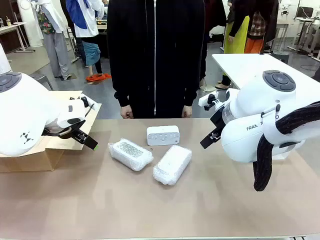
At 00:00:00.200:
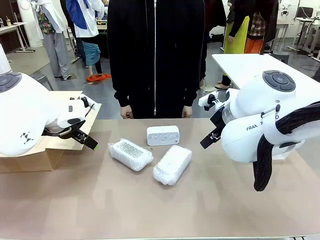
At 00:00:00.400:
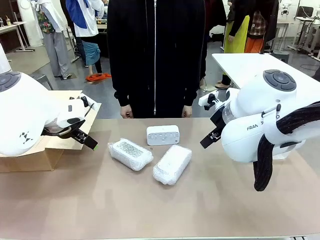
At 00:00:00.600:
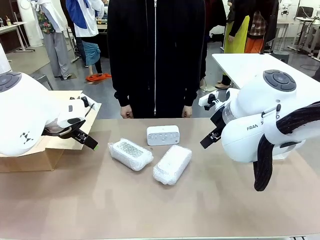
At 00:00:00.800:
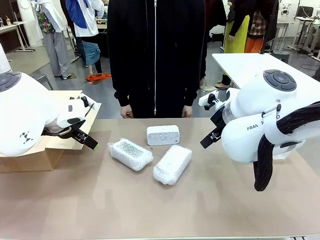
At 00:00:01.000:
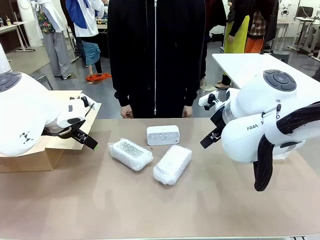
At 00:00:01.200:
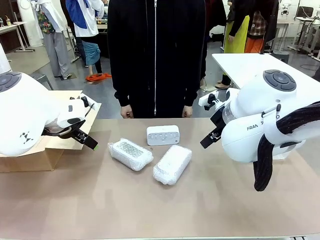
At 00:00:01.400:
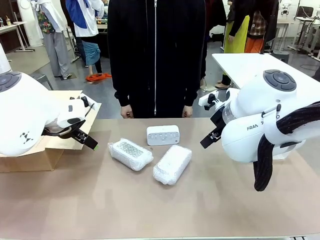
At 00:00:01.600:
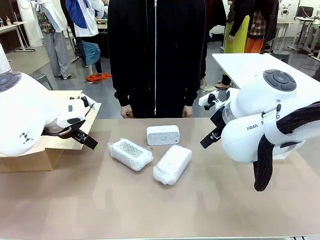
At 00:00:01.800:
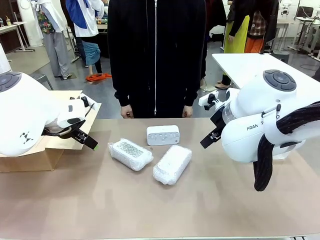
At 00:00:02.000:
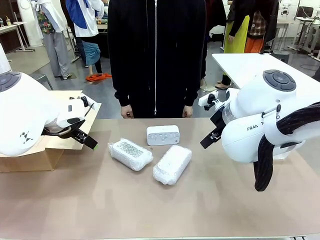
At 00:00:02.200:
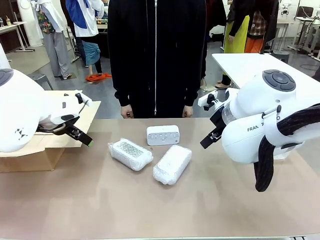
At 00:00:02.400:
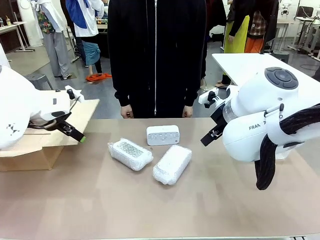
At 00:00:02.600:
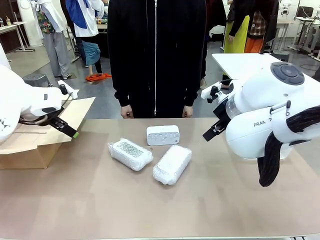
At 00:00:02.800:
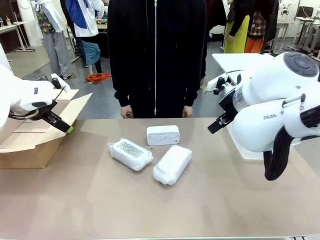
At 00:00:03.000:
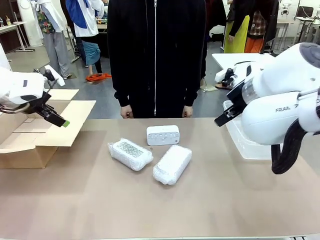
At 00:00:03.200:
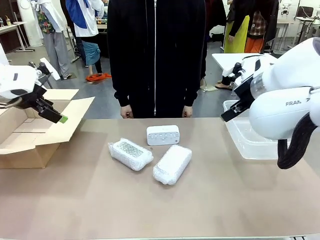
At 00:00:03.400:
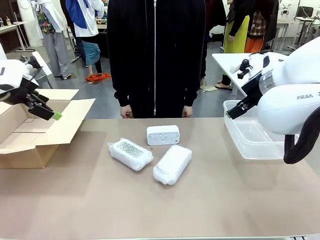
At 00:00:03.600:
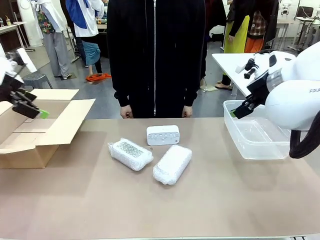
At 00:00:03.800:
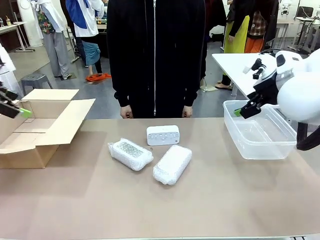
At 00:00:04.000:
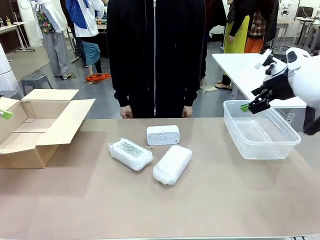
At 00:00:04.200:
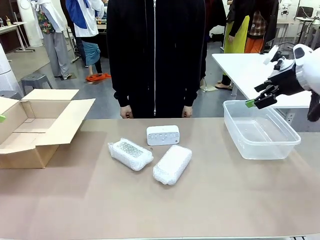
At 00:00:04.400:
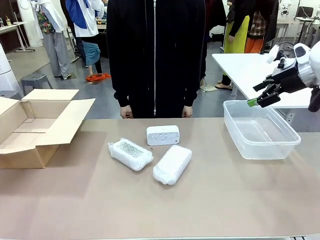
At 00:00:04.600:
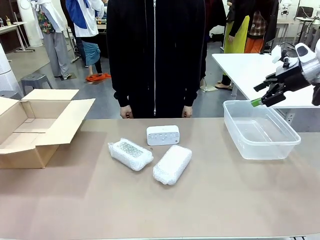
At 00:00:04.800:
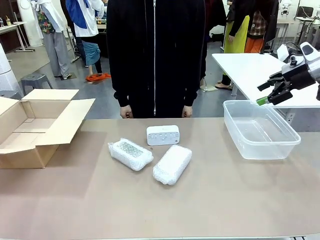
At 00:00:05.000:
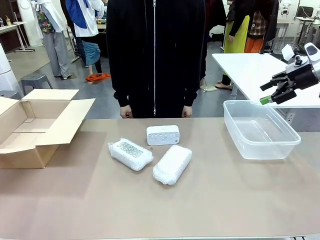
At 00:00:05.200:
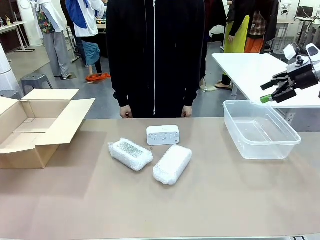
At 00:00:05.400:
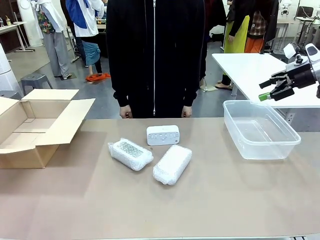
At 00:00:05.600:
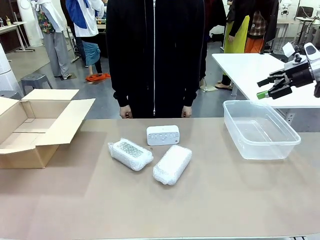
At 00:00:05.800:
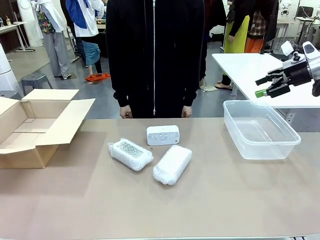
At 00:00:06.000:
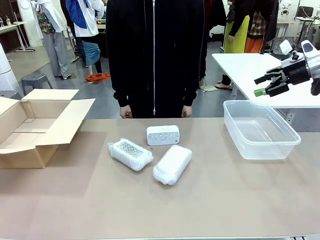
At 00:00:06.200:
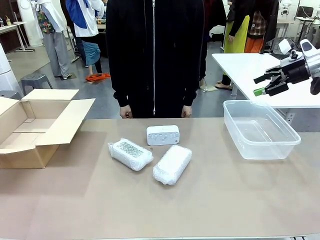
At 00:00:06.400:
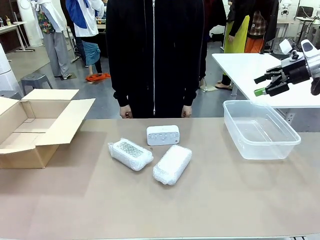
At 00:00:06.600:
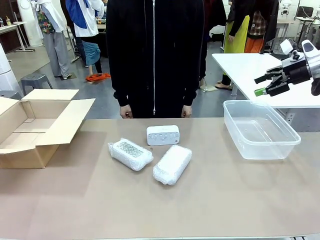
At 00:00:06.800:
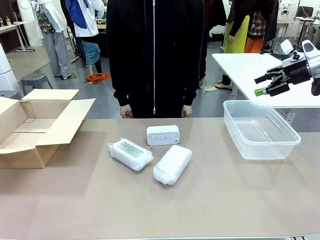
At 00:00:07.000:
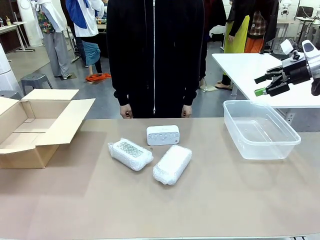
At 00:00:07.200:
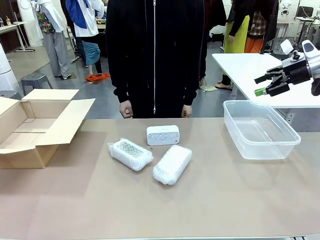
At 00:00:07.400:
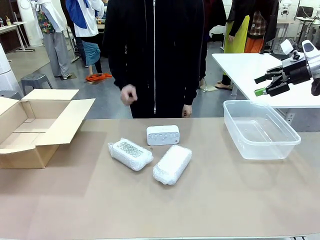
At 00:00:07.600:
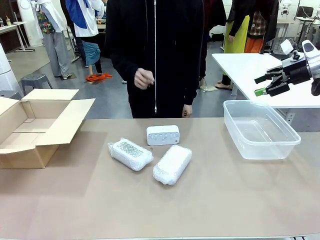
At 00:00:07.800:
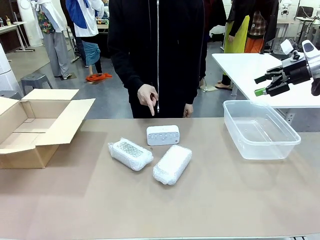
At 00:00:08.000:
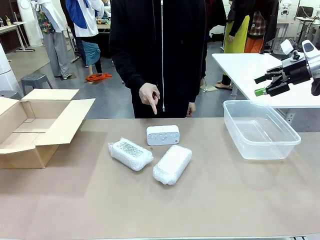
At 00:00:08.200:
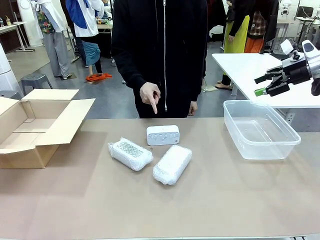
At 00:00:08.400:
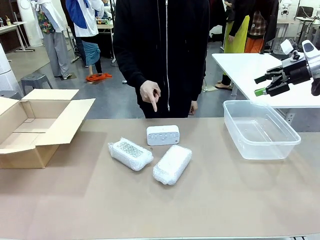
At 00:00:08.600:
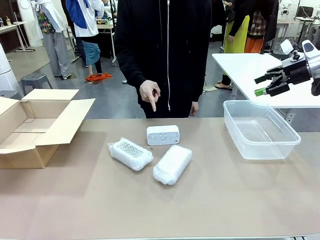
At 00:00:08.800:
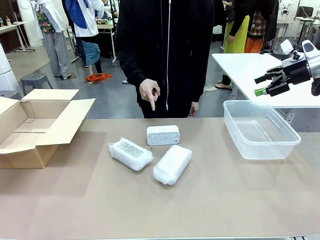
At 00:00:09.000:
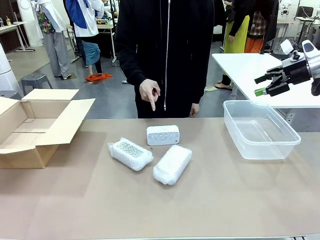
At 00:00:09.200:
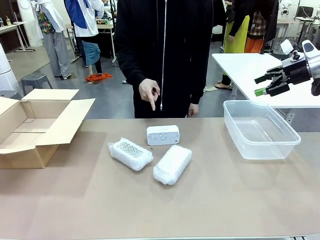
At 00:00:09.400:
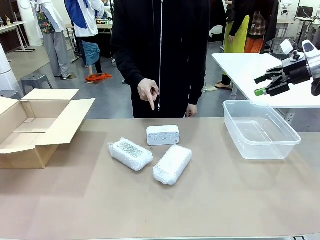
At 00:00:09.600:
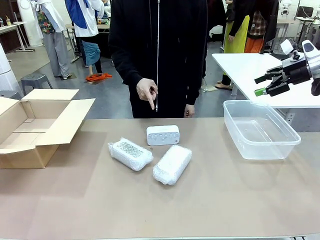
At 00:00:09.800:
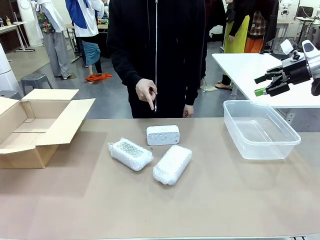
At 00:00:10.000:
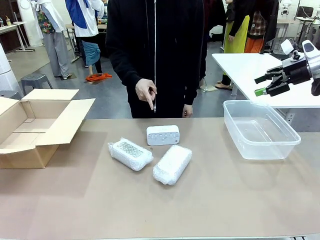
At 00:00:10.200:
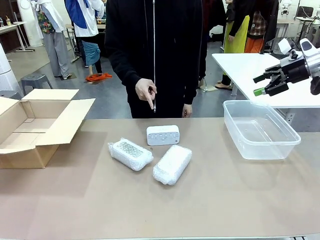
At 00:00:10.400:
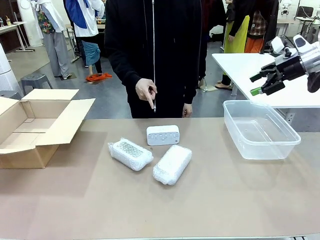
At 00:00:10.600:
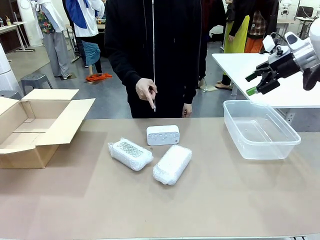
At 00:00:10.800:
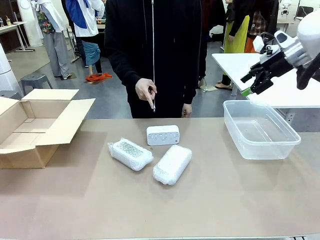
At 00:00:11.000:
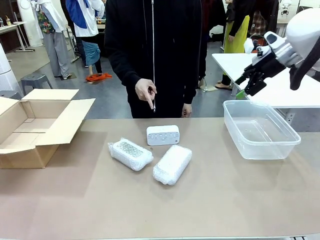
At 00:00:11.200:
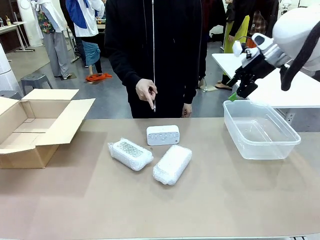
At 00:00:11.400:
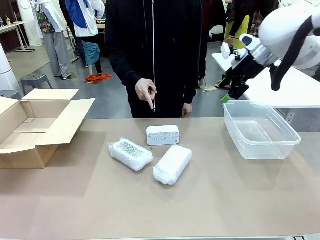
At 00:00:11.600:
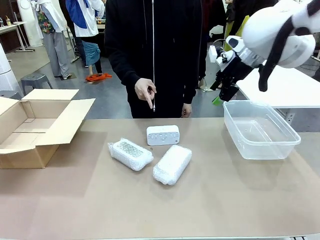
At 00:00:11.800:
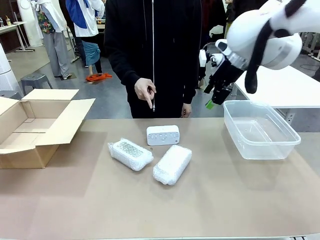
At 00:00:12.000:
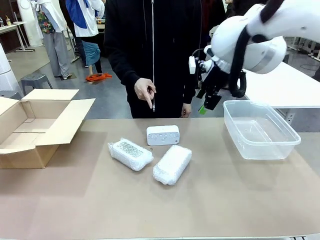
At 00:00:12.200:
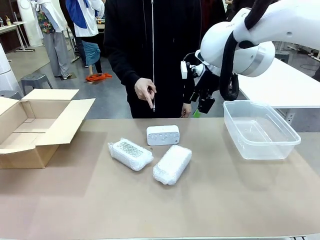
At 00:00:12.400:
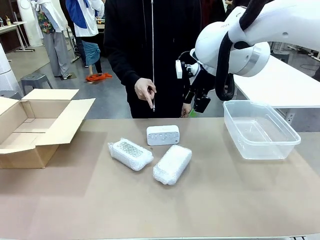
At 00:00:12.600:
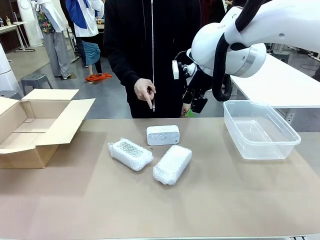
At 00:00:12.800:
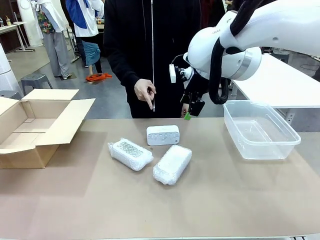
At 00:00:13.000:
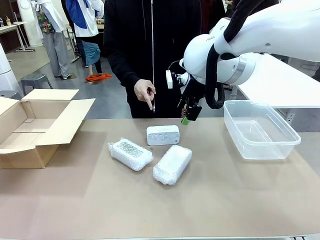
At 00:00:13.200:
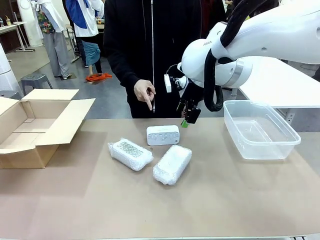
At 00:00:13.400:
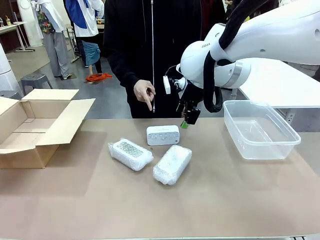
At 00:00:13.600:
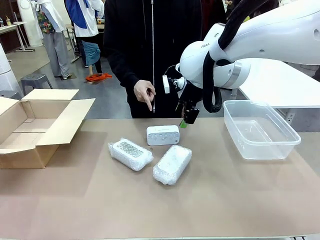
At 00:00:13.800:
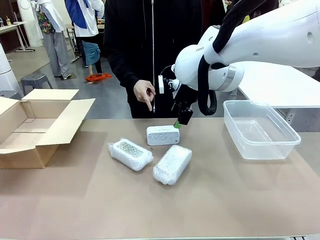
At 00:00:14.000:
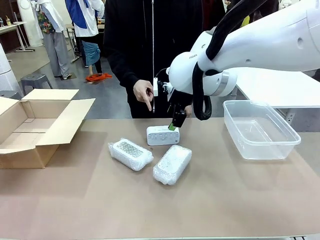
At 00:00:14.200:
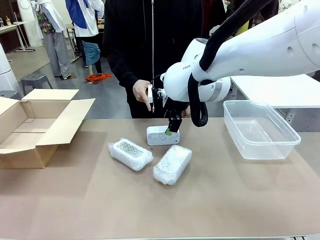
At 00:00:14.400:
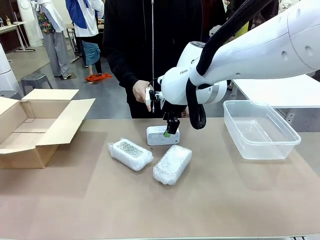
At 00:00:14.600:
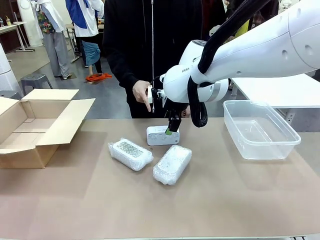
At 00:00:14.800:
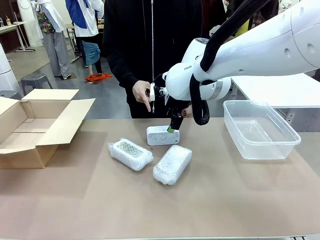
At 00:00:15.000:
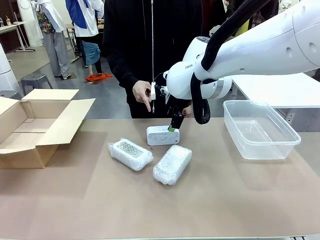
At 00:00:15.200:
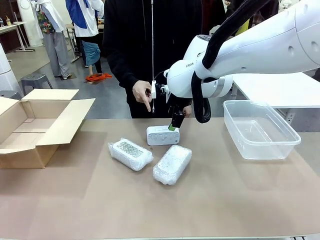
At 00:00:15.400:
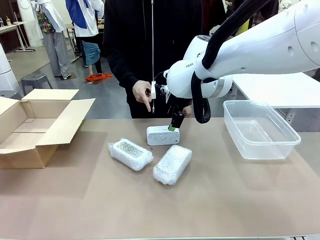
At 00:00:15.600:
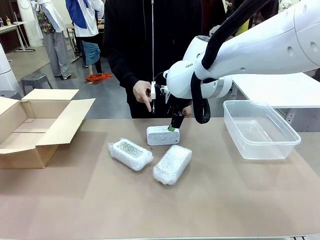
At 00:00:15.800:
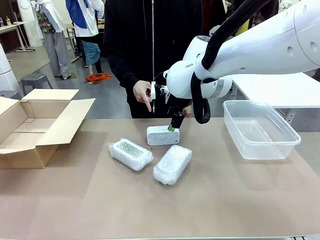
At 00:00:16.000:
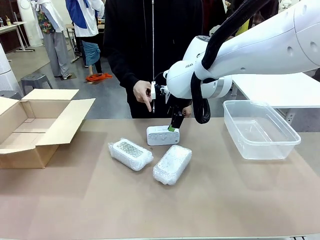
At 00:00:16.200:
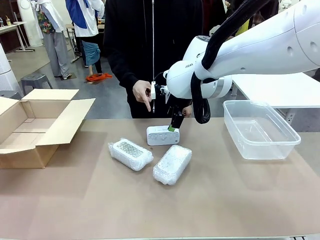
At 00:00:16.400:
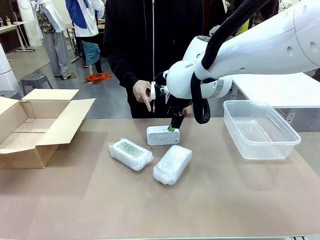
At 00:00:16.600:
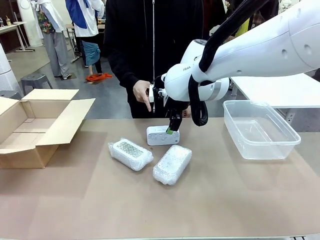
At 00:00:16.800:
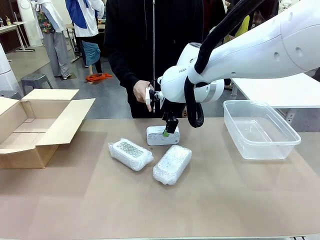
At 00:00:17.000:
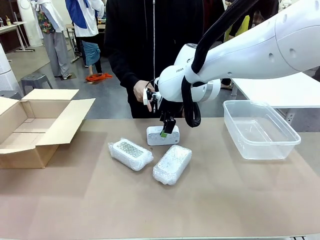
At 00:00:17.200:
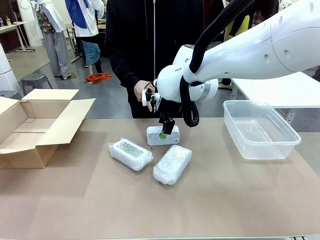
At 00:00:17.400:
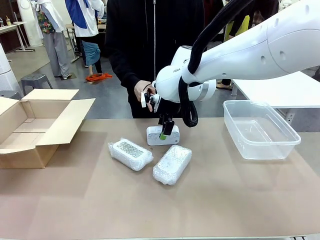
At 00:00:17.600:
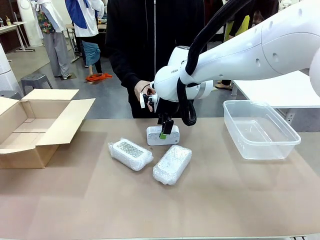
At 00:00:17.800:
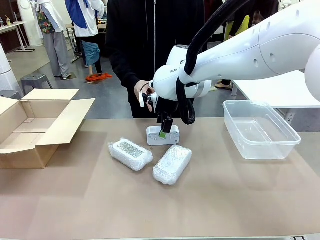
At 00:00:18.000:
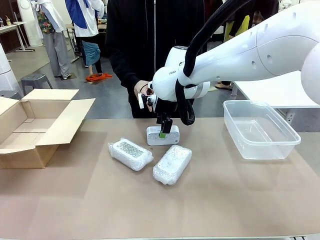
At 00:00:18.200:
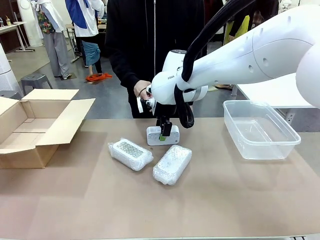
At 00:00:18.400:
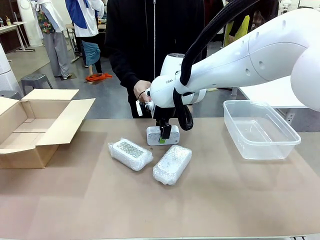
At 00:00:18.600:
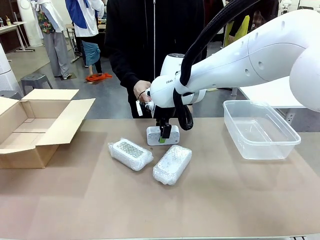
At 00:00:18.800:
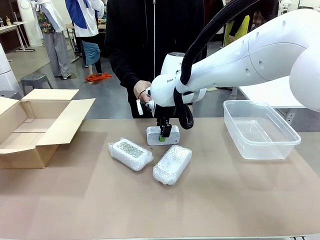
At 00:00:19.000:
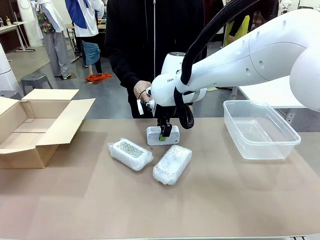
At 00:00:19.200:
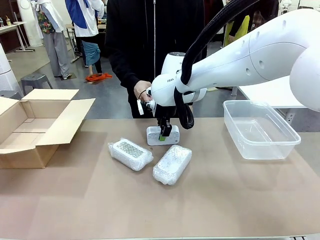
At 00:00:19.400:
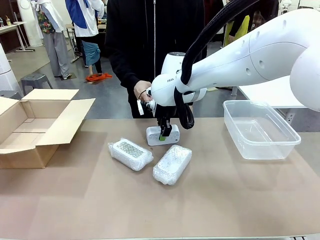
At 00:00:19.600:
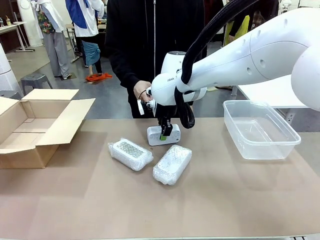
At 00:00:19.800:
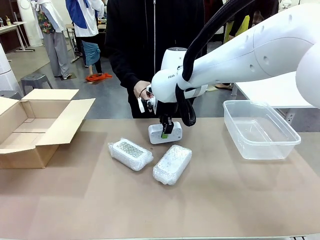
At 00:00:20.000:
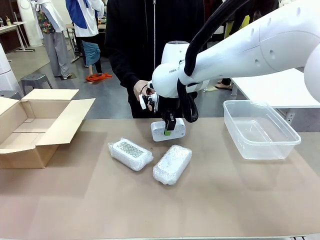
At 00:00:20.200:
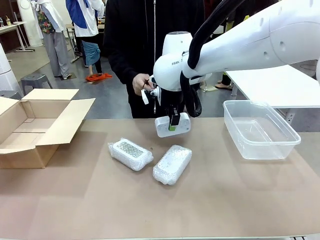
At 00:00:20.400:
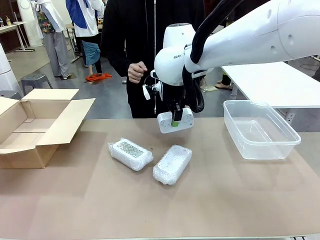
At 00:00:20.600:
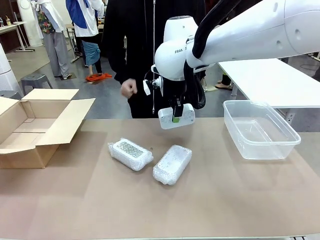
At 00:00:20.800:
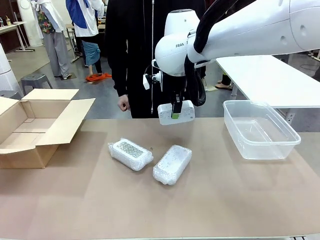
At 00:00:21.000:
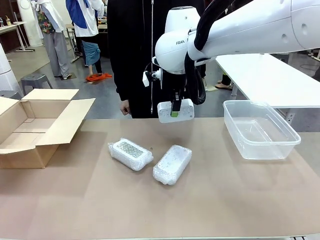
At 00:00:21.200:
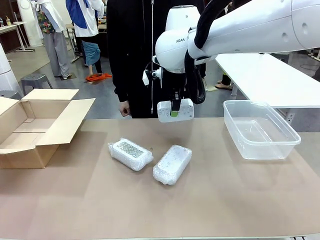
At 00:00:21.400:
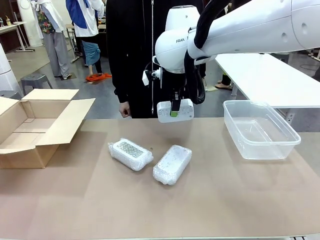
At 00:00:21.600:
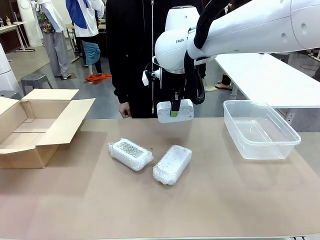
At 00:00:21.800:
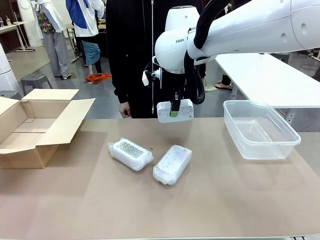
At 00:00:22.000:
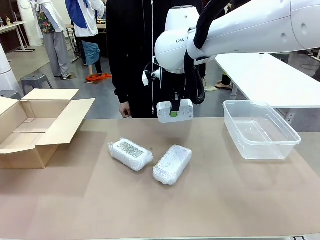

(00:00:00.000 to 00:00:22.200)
Task: Separate and place wrapped and unwrapped clocks.
Robot: Pick up the Digital clock indicated by the person.
